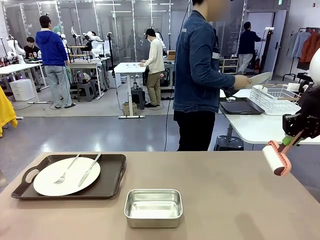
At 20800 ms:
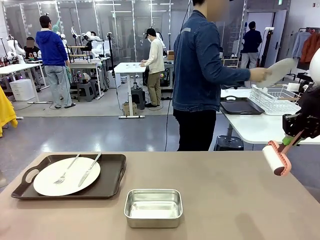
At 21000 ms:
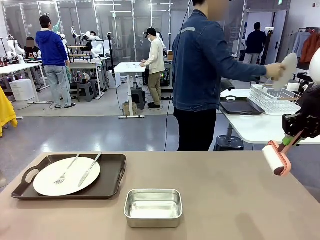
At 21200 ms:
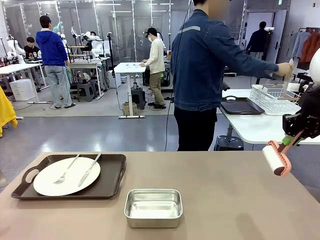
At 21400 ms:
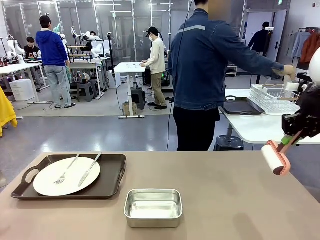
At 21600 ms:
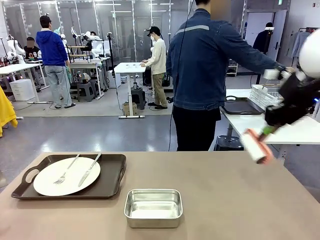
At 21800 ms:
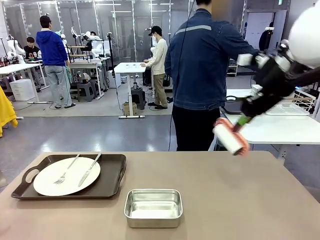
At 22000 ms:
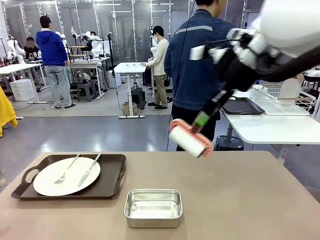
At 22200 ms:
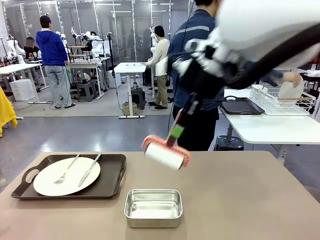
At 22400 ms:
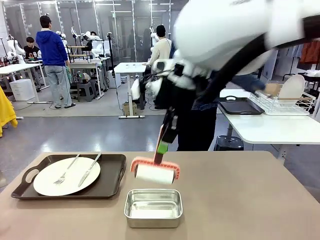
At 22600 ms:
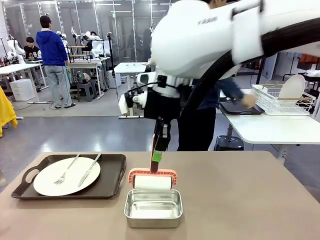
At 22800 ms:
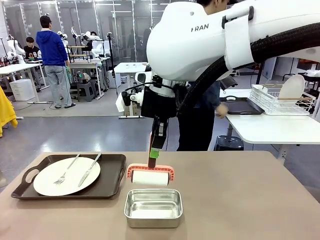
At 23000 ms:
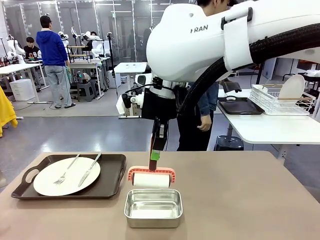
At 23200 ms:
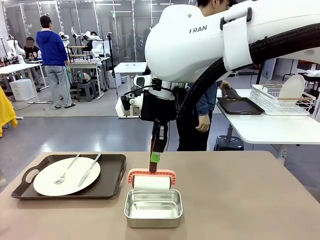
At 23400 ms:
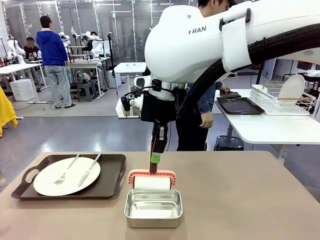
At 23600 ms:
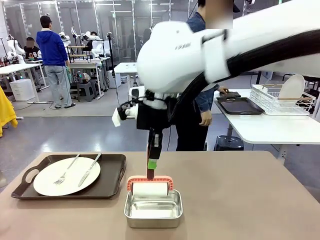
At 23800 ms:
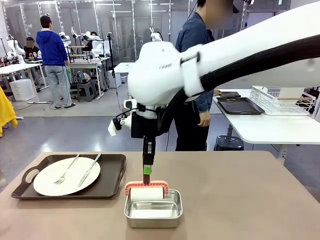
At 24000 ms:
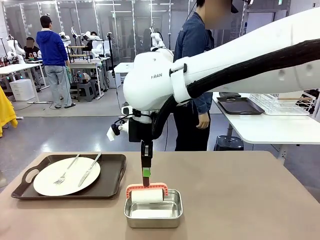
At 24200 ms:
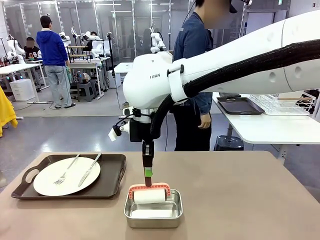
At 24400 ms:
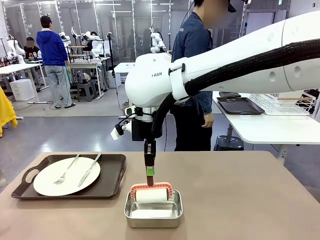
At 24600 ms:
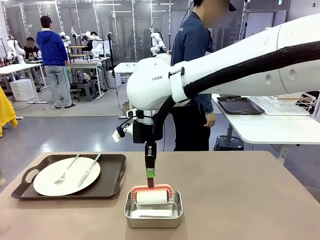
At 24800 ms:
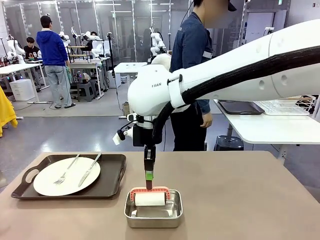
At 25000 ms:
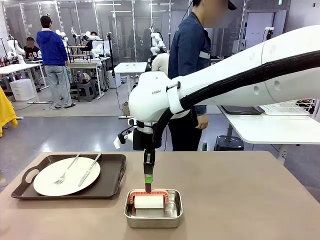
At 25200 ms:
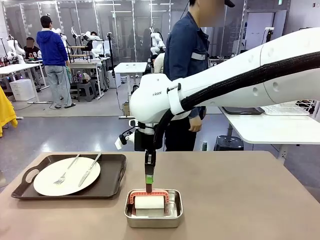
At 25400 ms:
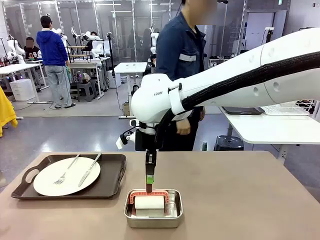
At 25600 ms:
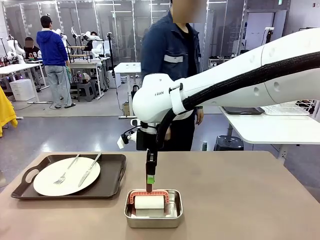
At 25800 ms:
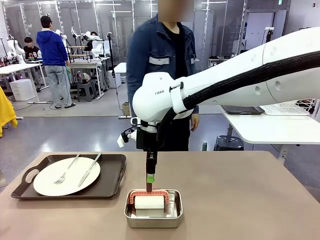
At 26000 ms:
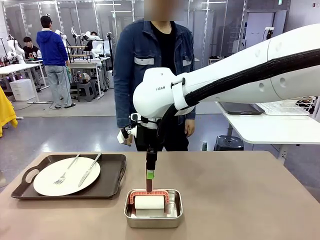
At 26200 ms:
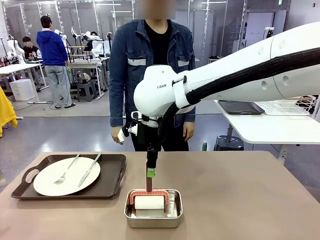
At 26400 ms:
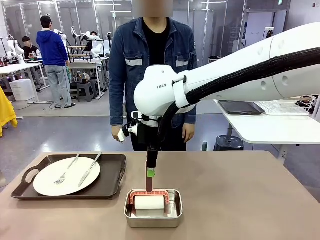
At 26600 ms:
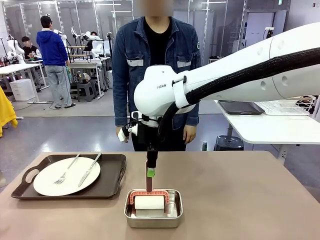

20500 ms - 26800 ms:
Robot: Place the Lint Roller back on top of the Airtight Container.

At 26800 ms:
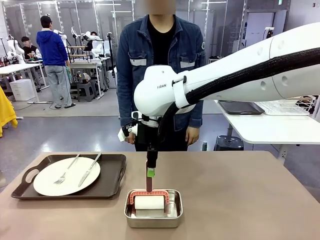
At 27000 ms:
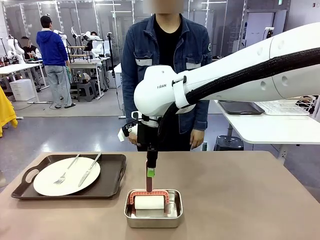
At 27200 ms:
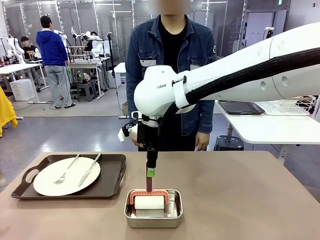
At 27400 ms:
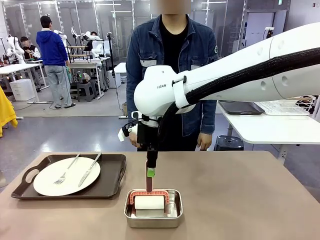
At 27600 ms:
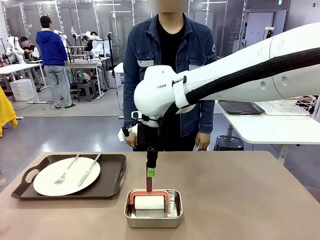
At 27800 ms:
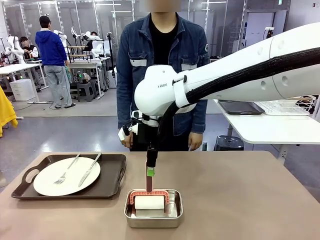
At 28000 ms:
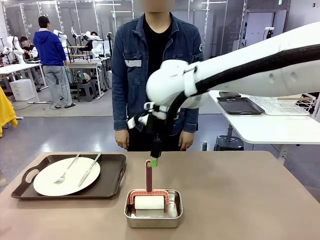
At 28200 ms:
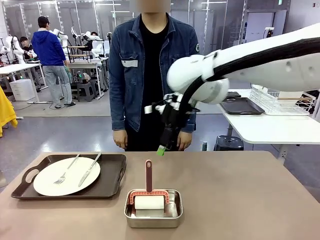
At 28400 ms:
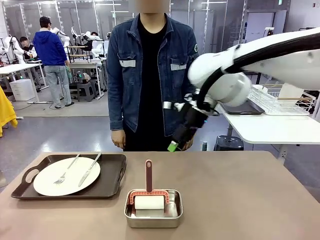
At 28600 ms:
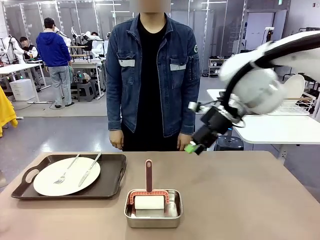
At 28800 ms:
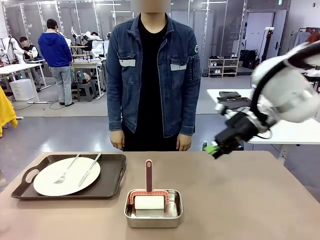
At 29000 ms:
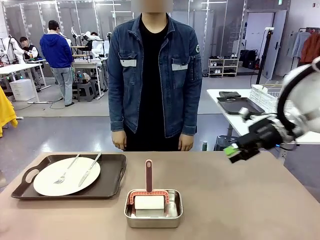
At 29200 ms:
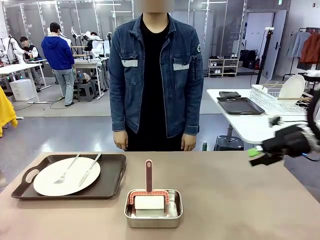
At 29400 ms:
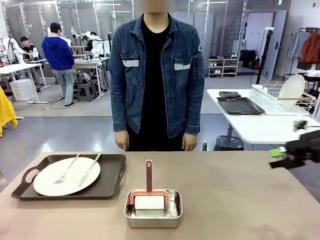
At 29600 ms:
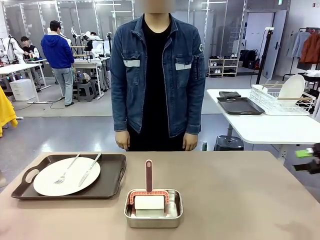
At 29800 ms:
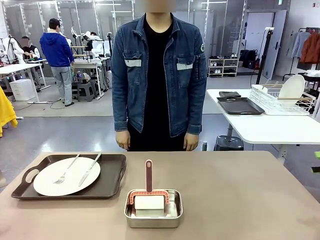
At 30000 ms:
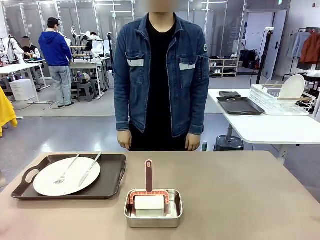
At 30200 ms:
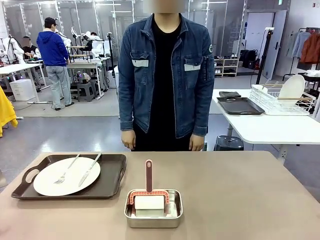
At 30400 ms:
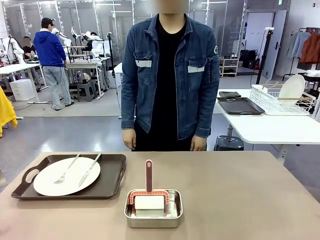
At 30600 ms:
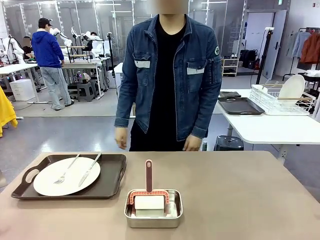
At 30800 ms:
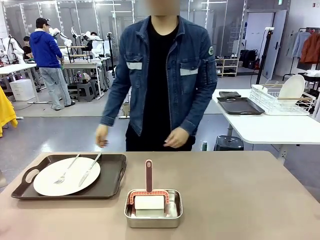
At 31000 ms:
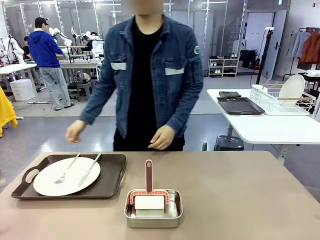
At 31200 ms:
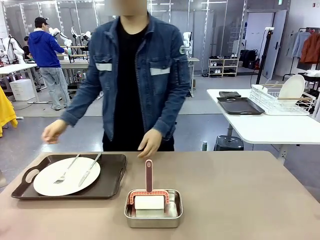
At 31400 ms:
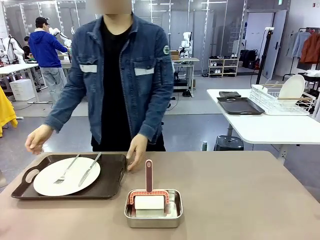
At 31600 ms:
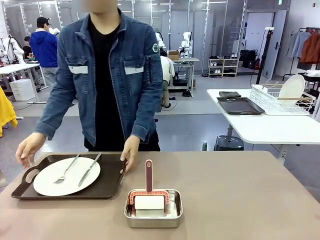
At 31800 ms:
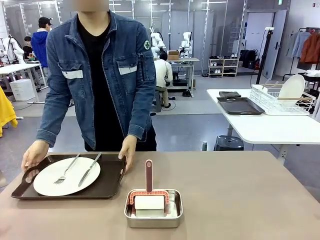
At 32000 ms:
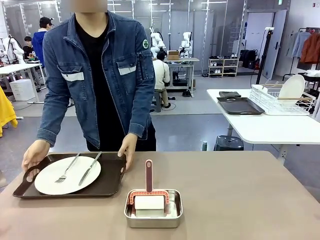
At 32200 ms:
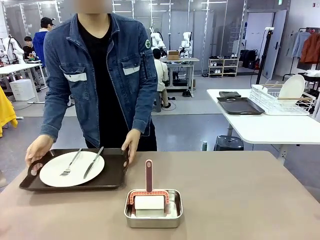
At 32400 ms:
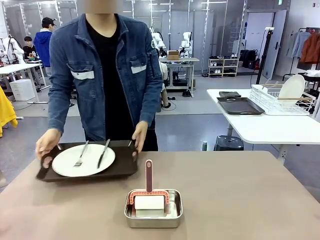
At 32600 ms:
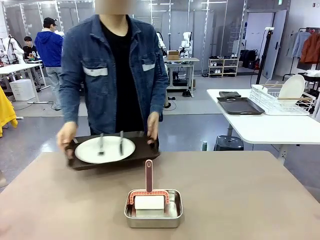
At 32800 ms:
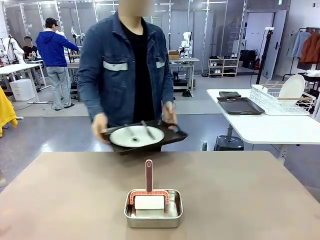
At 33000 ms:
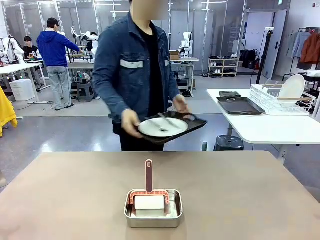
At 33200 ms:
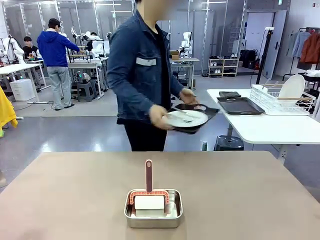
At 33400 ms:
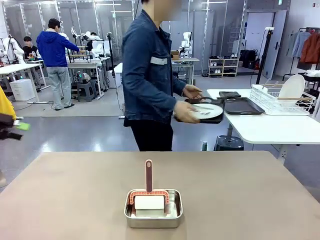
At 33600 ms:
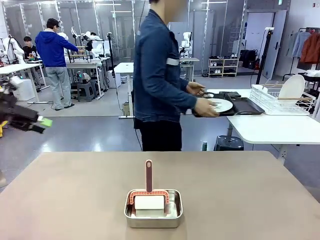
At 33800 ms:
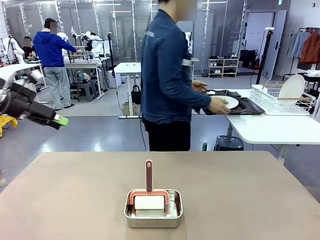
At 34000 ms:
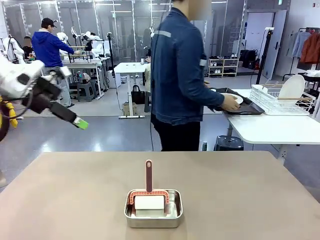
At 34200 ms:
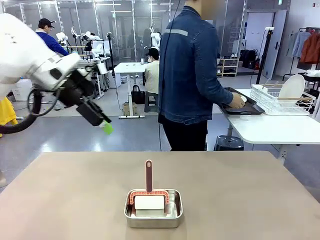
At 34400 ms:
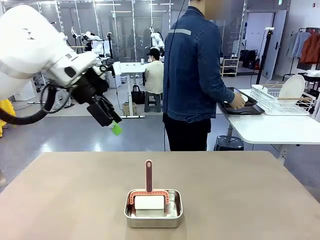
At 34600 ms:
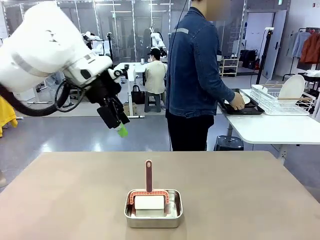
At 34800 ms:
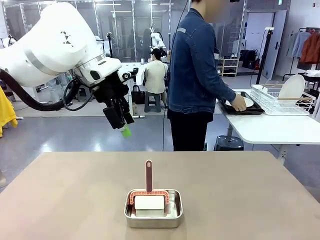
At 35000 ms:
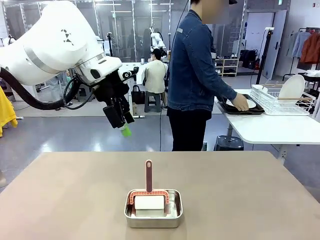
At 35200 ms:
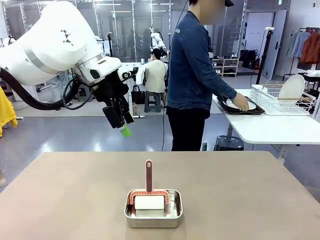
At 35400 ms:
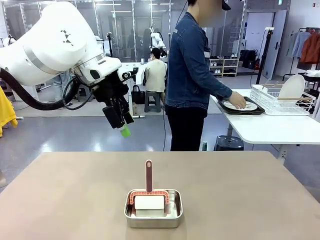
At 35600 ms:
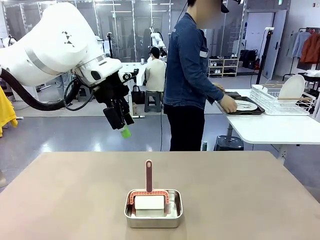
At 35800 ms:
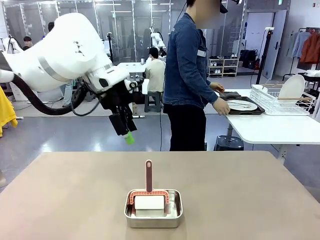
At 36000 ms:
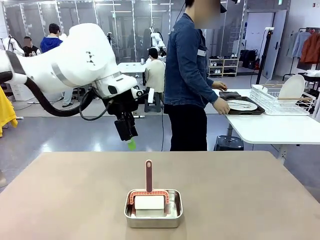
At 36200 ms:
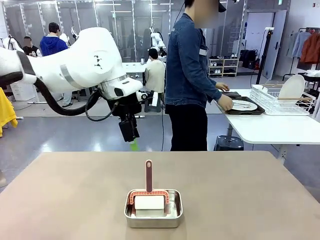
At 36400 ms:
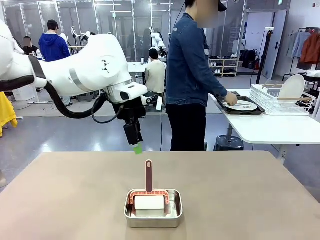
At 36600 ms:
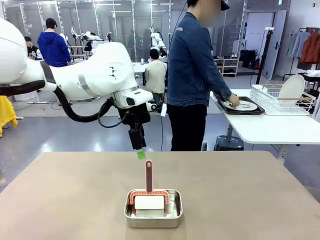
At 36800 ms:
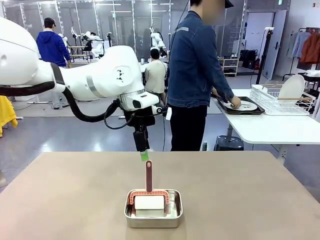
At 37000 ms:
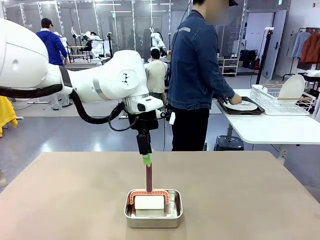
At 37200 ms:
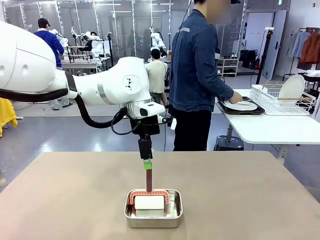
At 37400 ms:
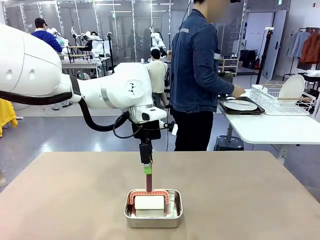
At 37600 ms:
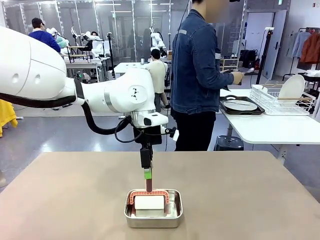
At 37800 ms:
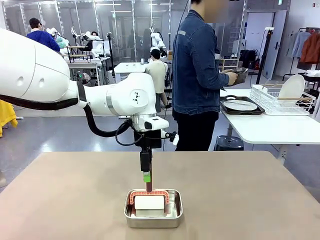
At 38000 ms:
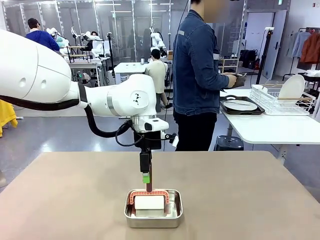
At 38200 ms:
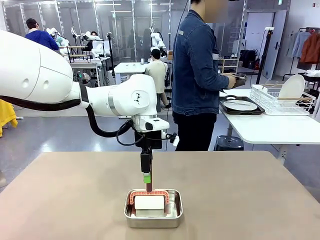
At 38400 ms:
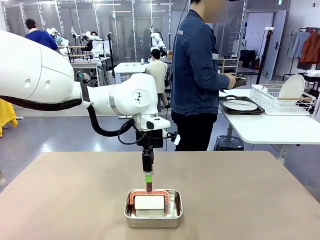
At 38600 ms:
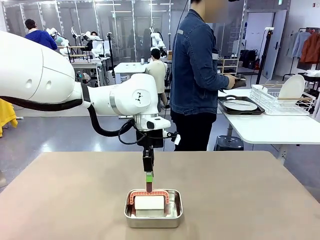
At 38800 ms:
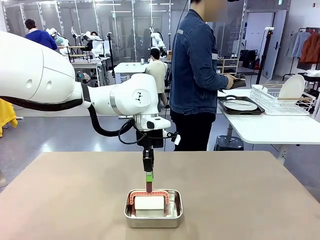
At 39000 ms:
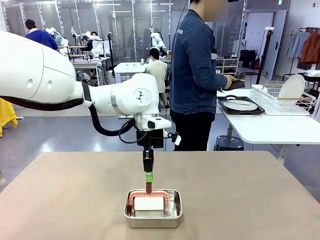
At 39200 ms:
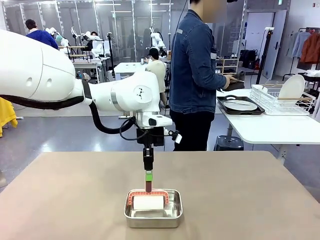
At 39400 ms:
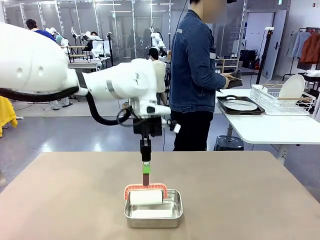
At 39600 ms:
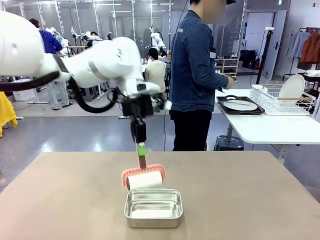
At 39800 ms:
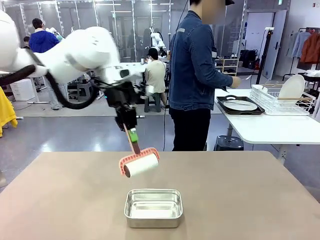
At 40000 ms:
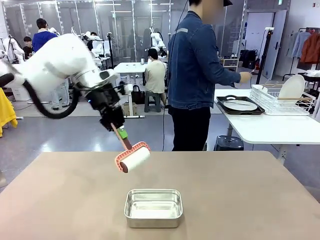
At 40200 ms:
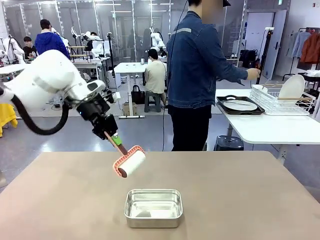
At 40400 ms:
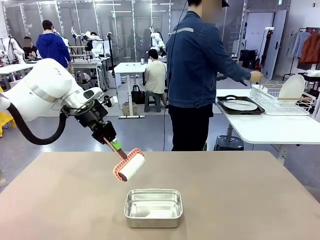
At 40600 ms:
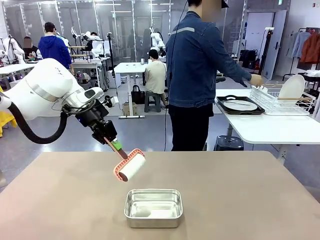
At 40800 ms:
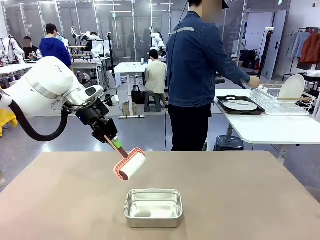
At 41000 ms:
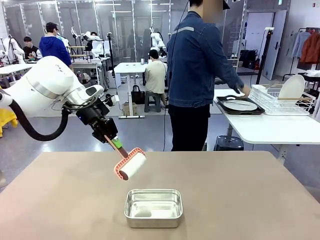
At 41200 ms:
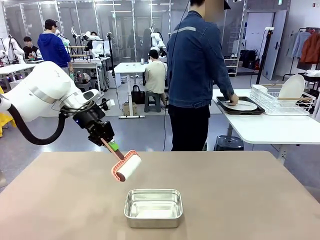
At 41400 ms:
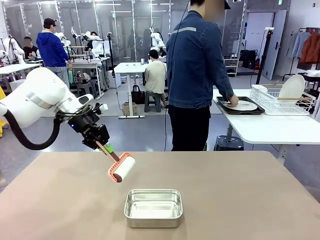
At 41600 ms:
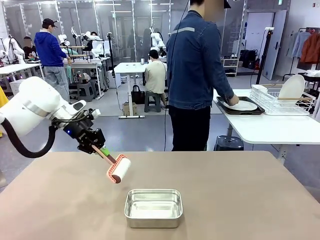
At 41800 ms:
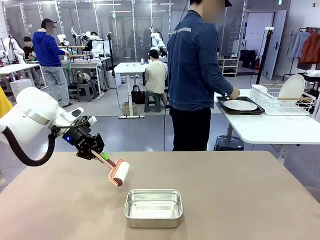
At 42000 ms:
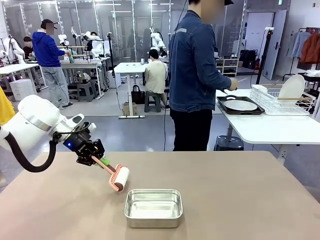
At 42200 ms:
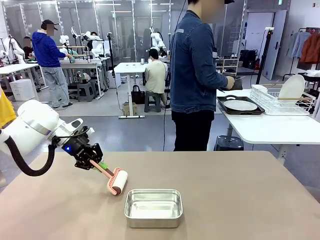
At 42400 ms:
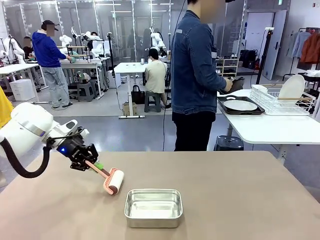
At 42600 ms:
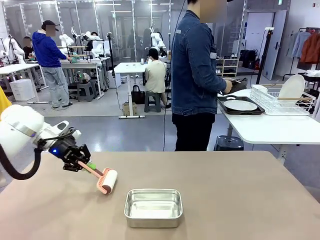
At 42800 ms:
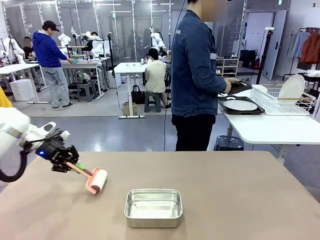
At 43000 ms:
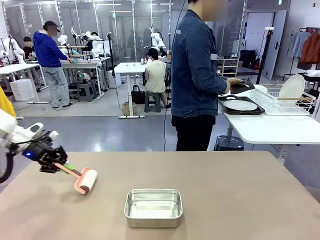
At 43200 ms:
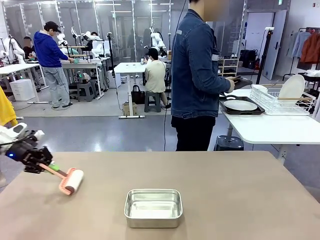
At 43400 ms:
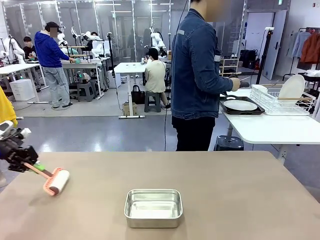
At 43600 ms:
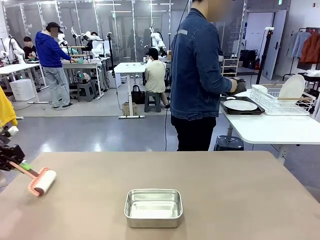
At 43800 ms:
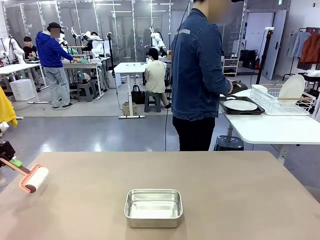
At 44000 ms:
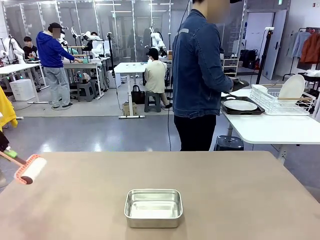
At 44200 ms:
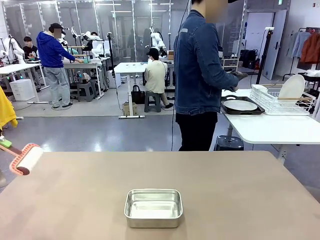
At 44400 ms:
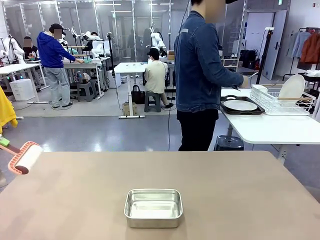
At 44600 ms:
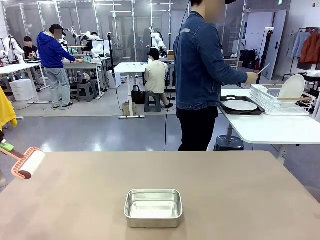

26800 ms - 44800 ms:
Robot: When the right (or left) Handle tray is removed, use the right hand (or left hand) to clean the right (or left) side of the table with the Lint Roller.
Person: Pick up the left (or right) Handle tray and place it on the Handle tray.
